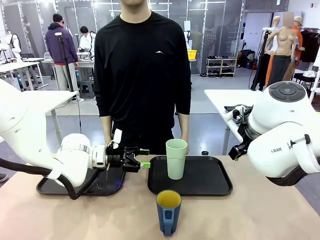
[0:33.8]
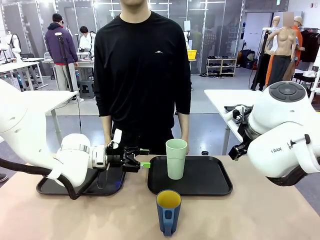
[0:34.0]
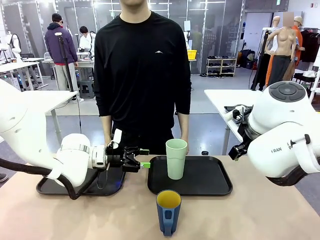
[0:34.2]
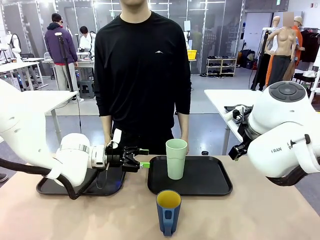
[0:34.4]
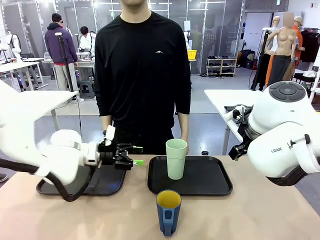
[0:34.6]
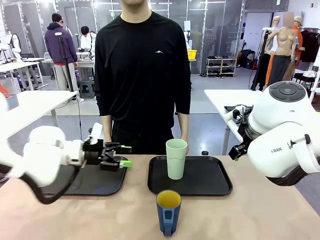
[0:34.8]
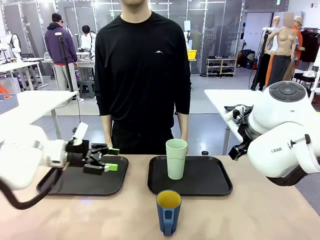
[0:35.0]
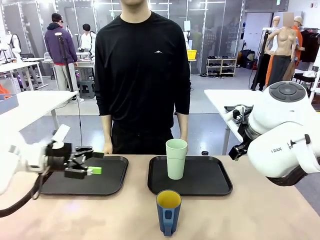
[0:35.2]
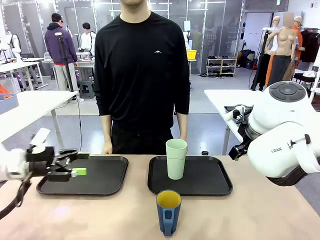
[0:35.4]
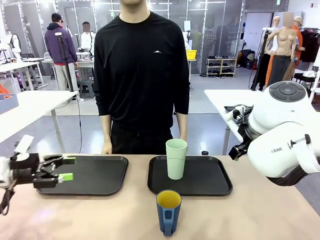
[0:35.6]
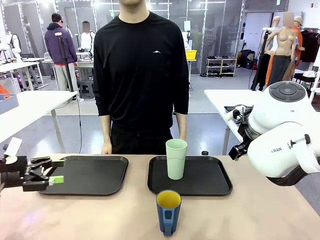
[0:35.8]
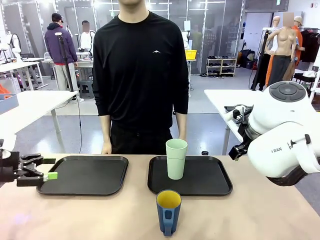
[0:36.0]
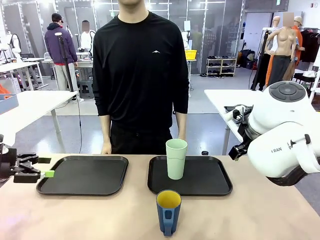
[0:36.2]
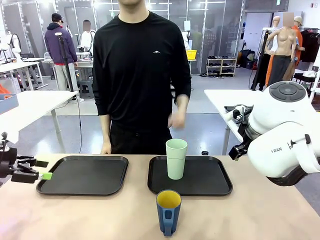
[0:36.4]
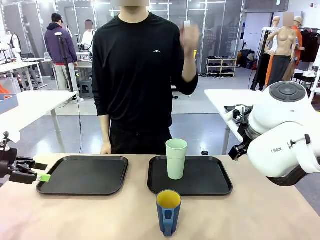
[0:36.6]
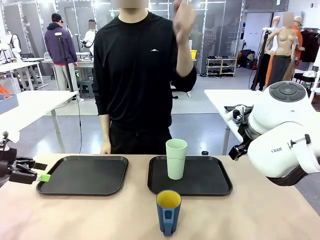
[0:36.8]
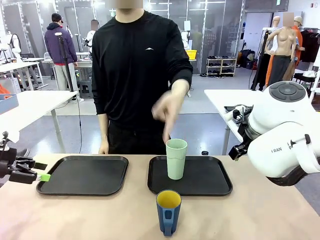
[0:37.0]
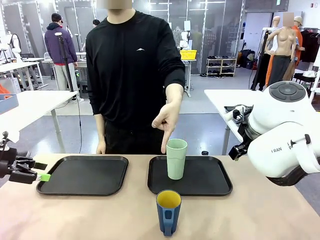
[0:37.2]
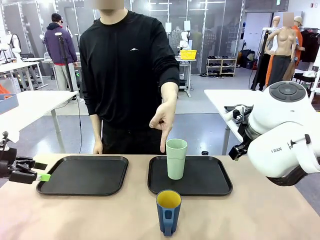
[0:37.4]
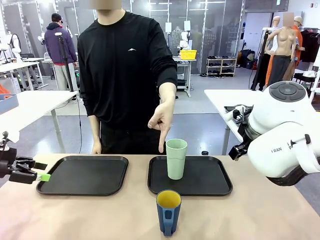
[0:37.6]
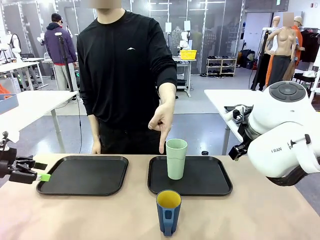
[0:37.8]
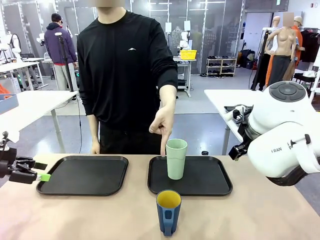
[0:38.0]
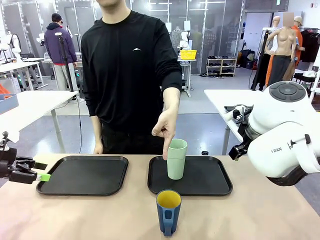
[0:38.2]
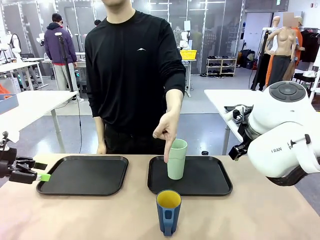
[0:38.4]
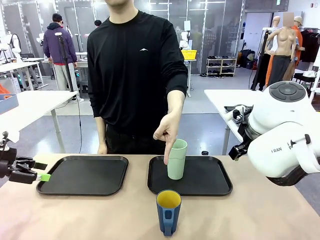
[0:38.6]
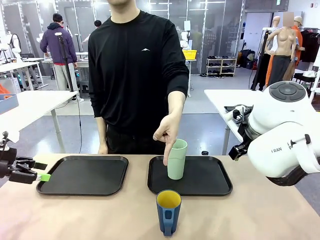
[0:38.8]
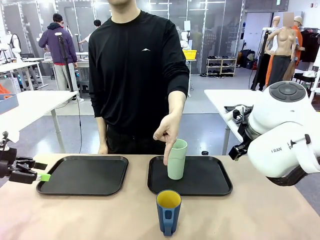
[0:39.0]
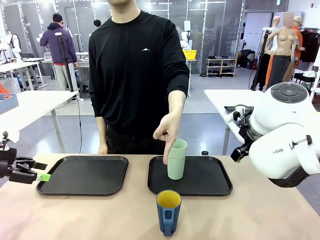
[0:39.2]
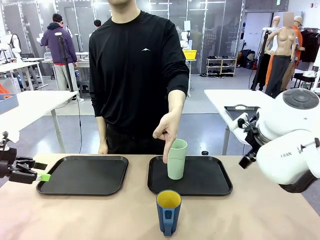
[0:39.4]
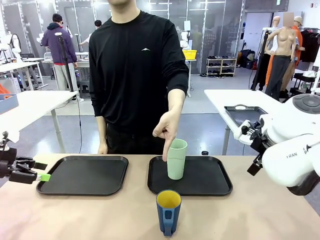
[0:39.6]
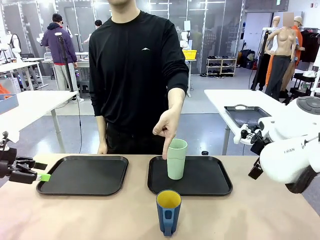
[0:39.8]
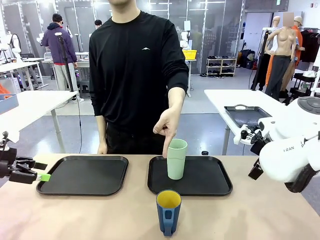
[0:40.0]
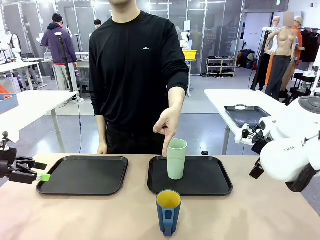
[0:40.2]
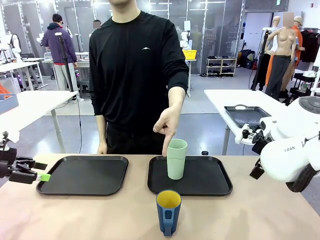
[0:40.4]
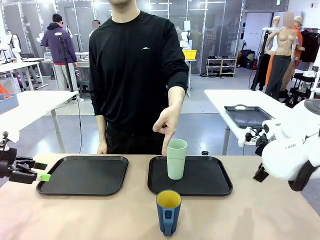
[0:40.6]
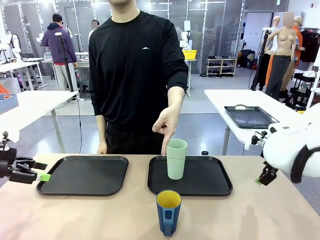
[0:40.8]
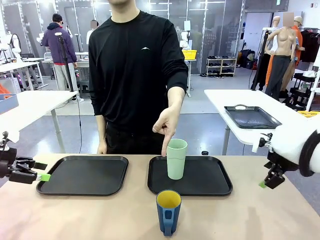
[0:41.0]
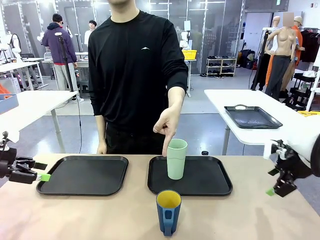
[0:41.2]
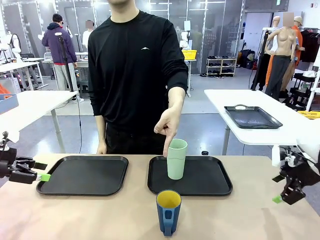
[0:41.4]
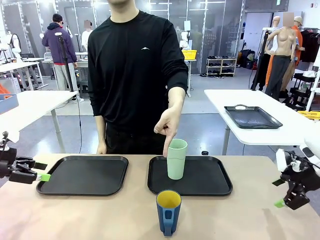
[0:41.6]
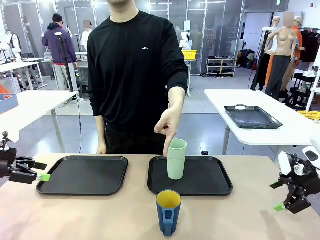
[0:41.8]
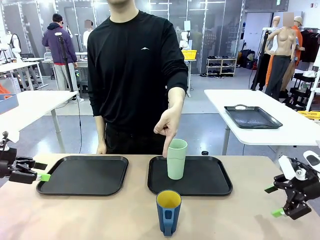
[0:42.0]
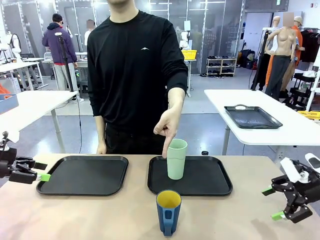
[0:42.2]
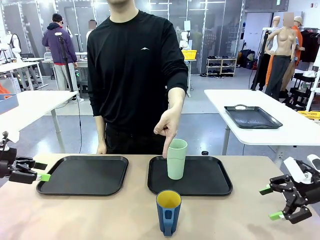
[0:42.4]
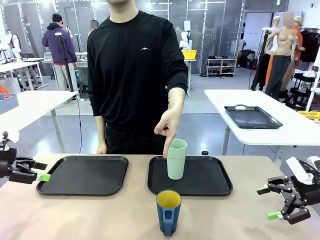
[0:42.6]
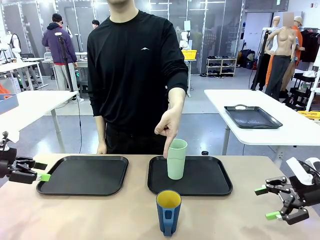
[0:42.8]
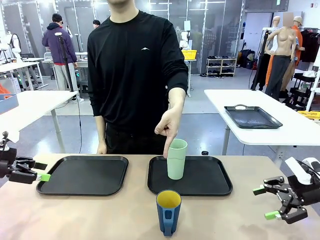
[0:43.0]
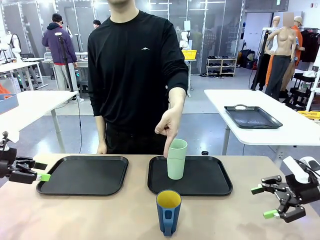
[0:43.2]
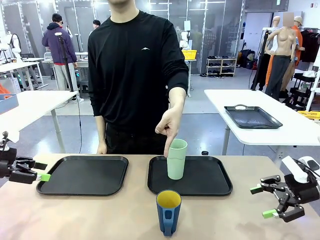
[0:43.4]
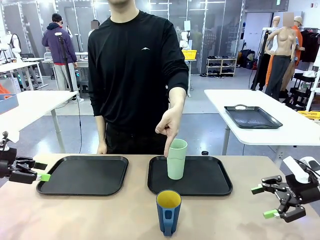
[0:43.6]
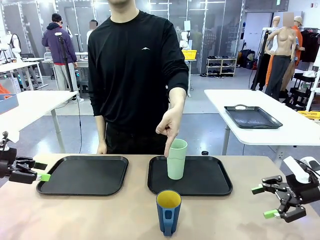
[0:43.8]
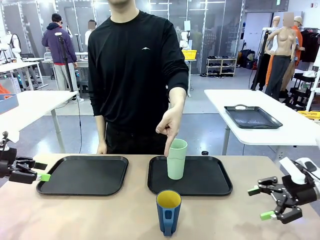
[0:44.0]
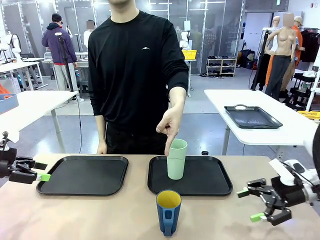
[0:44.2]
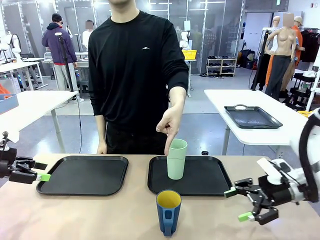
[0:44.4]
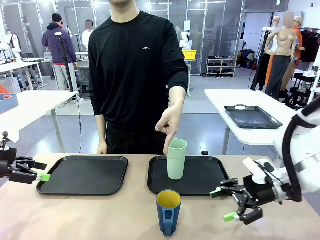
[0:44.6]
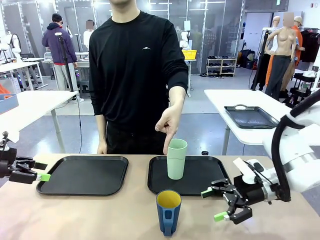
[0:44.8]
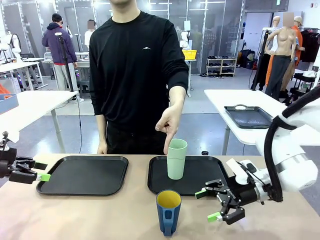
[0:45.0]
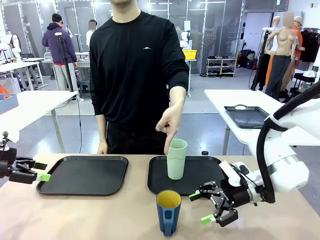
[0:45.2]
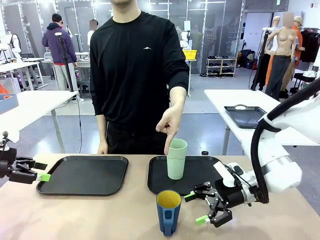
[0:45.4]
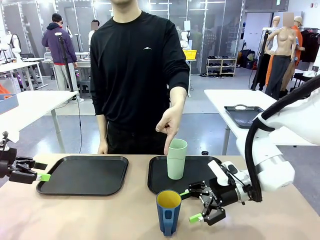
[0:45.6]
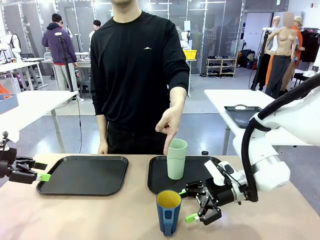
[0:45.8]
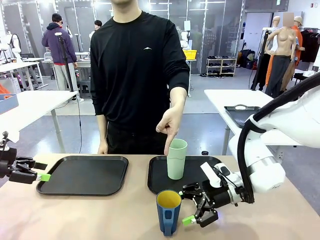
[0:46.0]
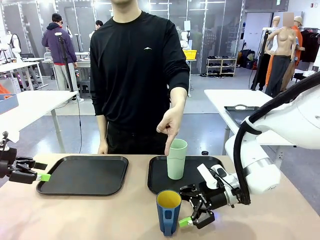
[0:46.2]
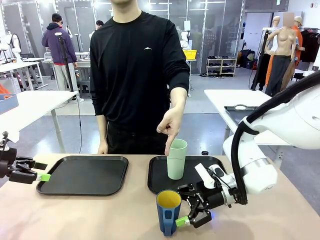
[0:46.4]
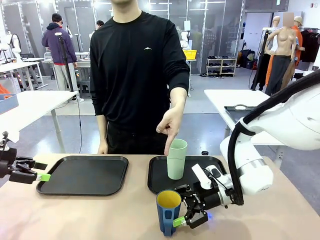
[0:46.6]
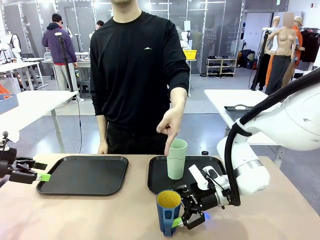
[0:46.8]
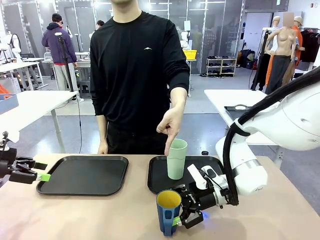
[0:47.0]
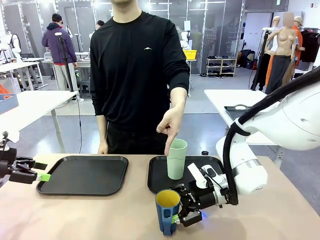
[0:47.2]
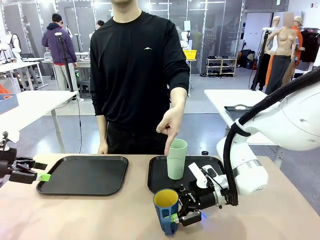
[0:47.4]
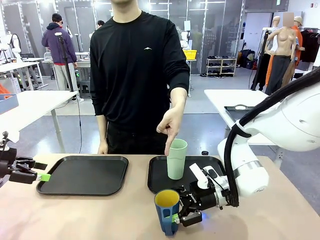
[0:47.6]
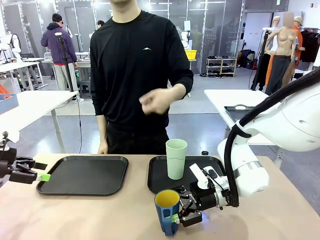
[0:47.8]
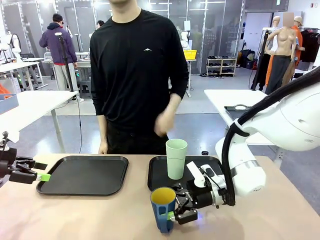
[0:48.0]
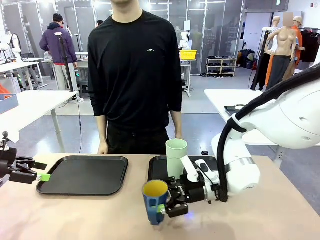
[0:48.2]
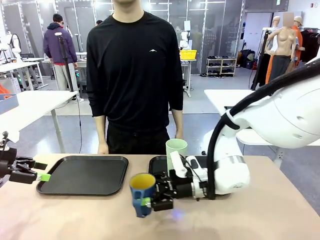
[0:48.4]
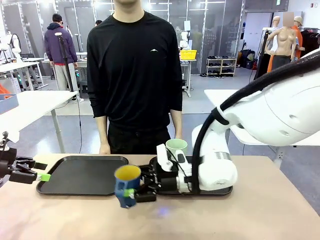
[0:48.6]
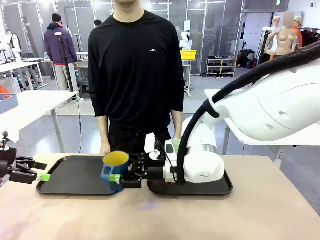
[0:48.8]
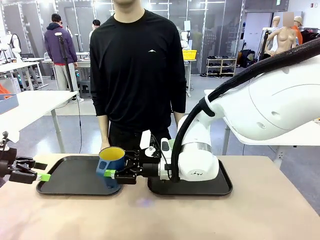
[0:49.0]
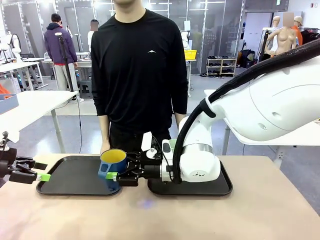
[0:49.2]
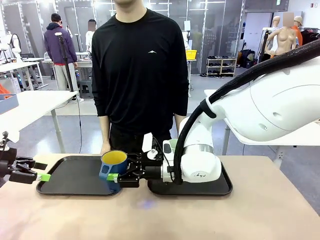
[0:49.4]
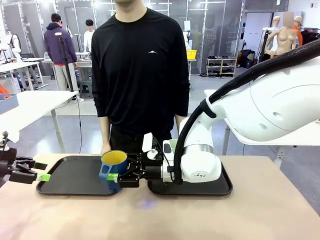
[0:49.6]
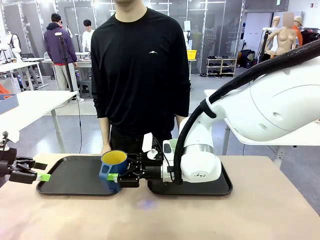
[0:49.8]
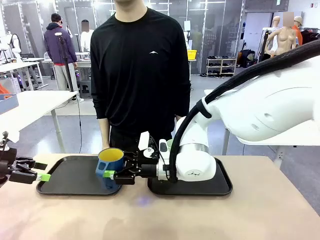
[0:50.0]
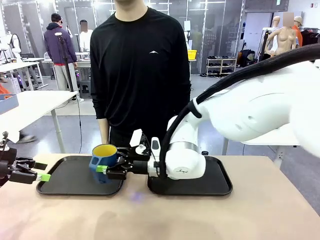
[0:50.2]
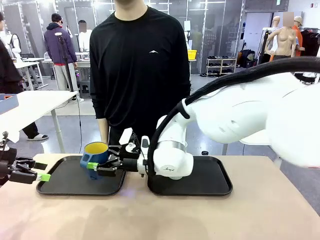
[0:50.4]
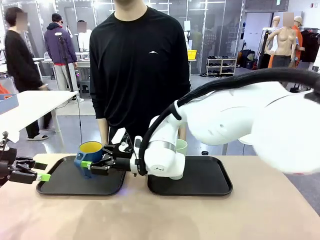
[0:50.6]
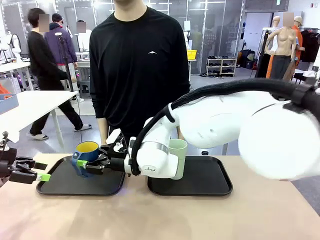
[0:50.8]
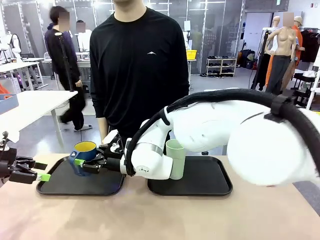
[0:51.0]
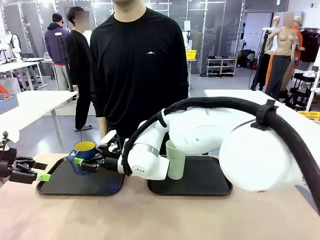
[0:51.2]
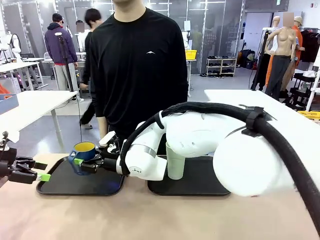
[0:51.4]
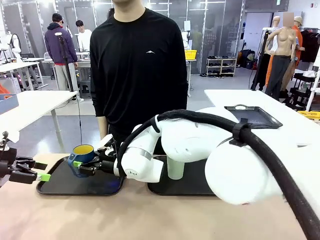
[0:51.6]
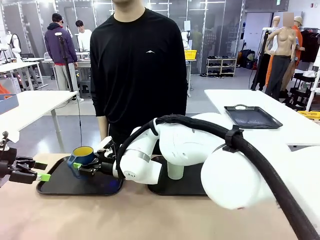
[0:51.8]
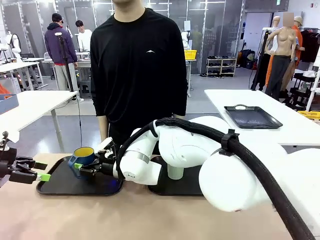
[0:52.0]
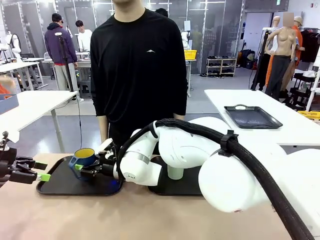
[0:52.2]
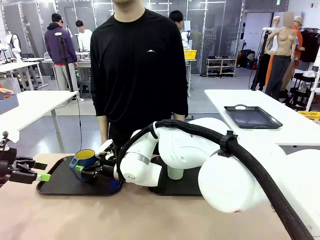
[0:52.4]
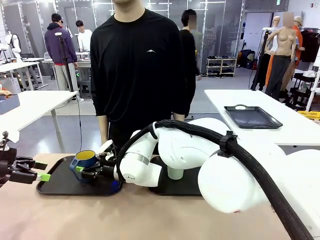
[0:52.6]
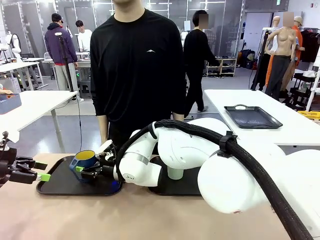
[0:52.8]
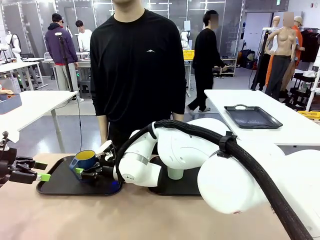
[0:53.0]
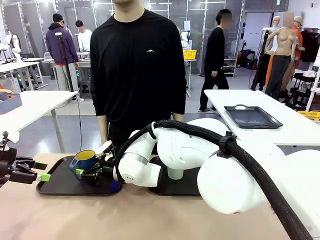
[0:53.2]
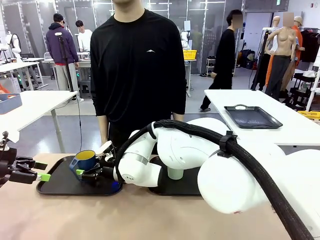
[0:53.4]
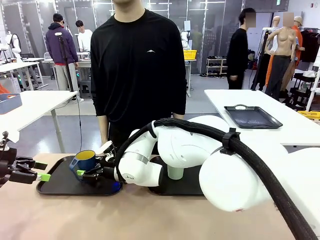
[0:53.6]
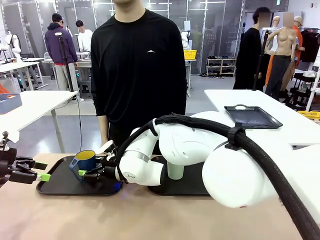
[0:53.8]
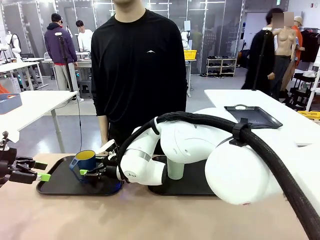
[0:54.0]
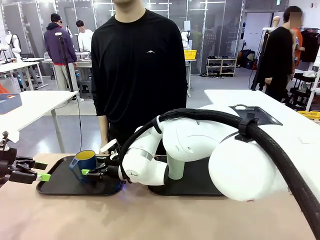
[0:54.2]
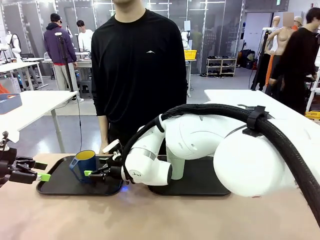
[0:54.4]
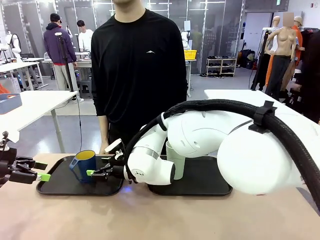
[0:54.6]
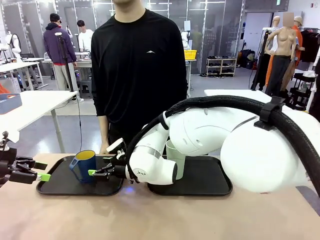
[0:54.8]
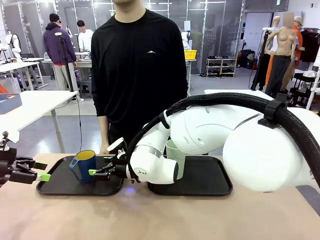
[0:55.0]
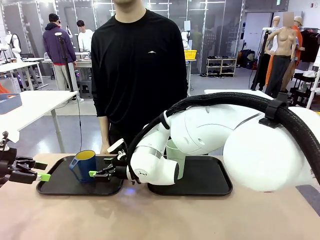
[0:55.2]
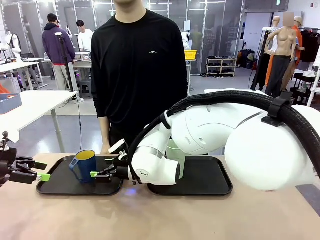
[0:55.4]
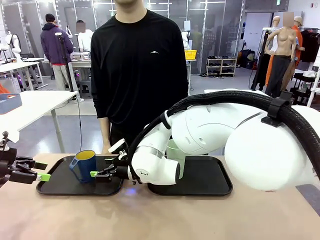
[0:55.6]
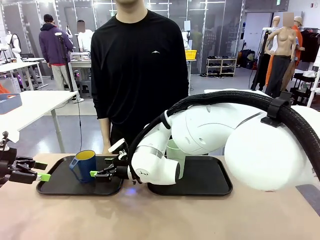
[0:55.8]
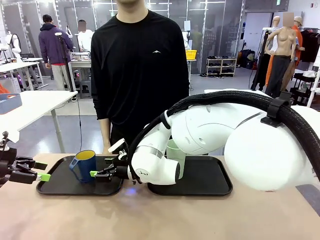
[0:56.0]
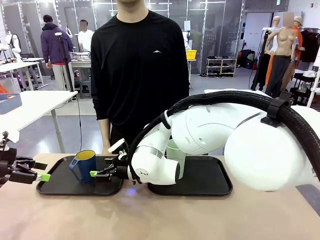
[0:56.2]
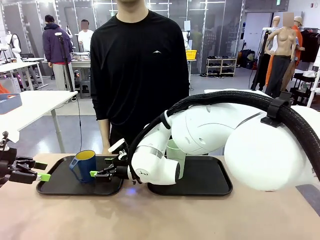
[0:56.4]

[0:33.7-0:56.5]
Task: Sort and store the cups by type.
Robot: Pick up the Handle plastic cup and place it into the empty Flat Tray.
Person: Points to the cup with a handle.
